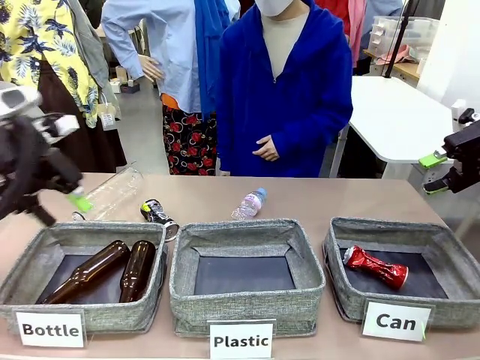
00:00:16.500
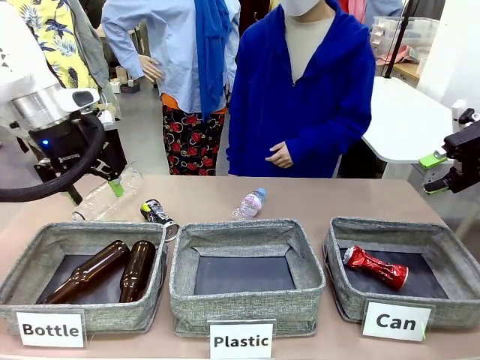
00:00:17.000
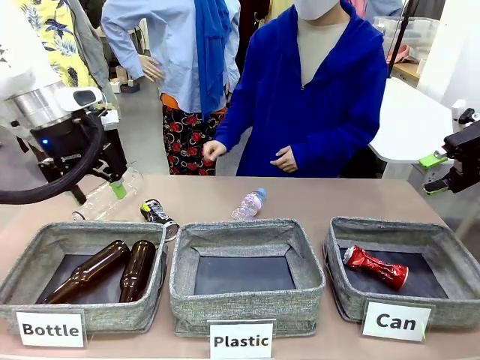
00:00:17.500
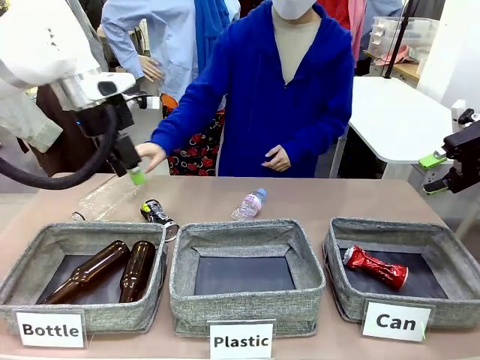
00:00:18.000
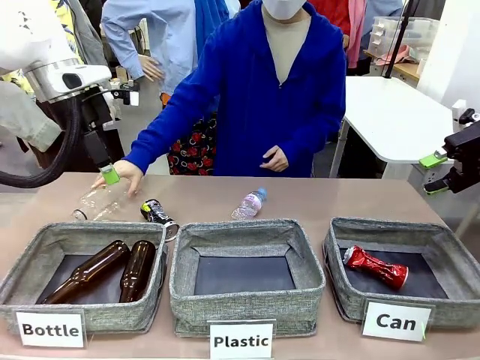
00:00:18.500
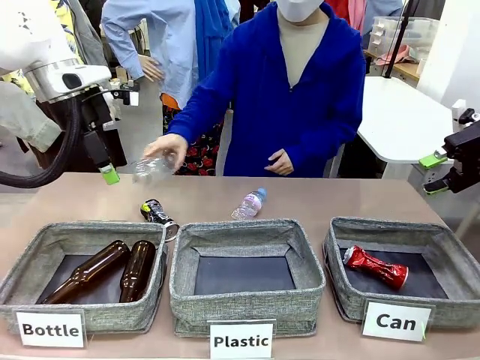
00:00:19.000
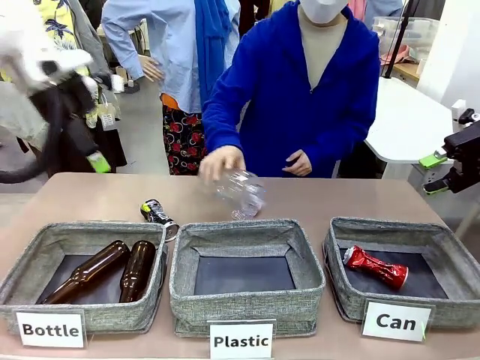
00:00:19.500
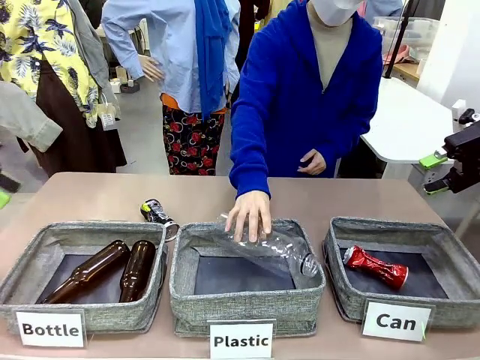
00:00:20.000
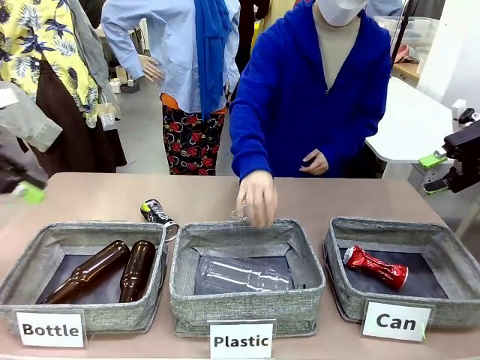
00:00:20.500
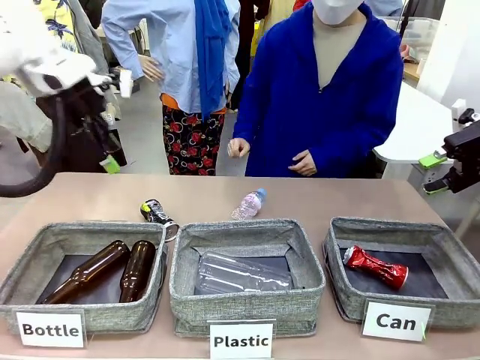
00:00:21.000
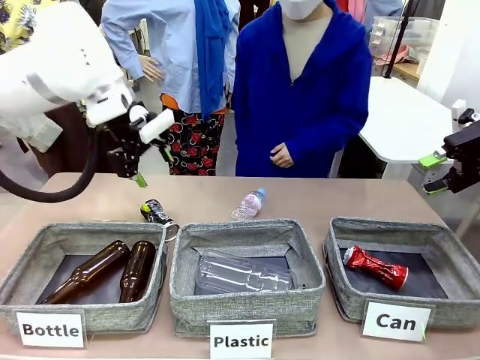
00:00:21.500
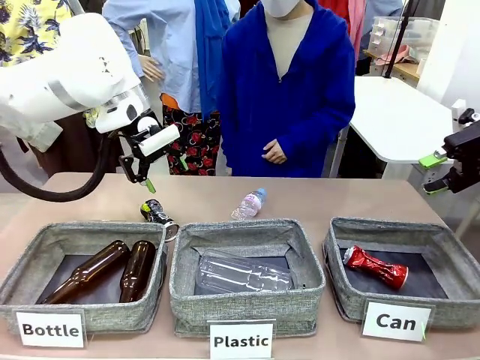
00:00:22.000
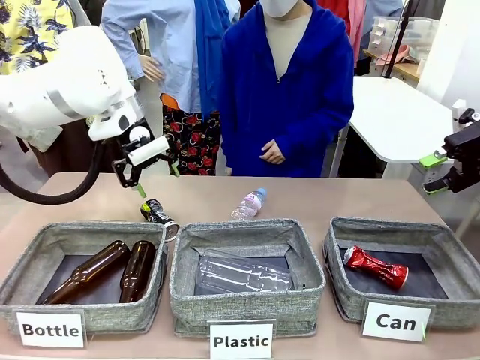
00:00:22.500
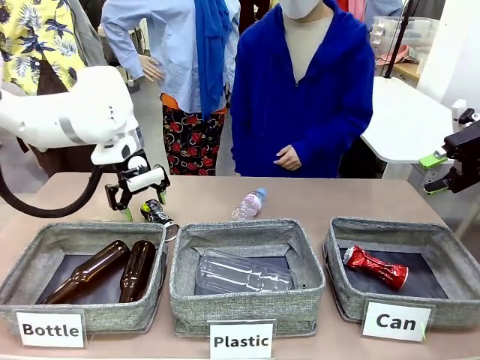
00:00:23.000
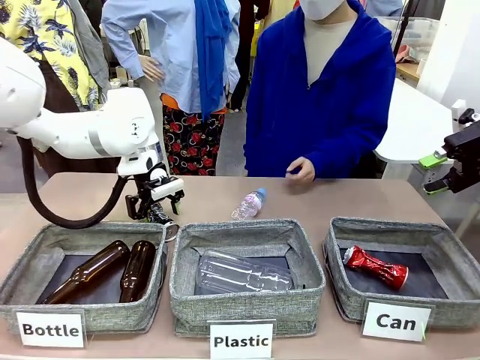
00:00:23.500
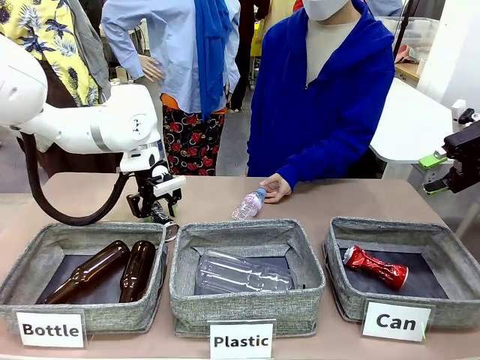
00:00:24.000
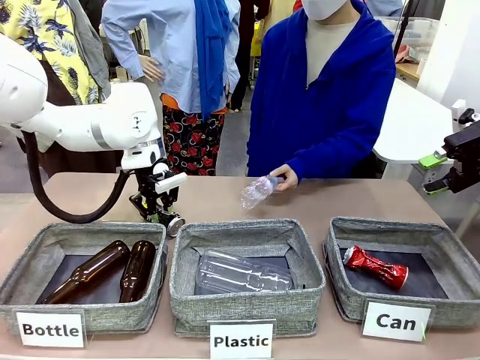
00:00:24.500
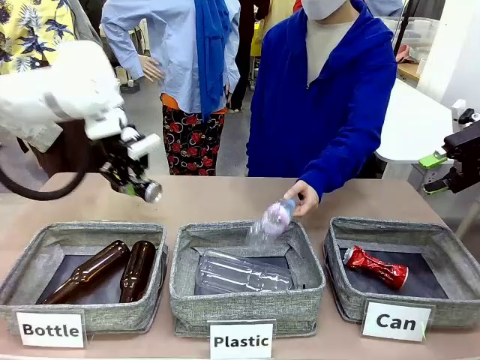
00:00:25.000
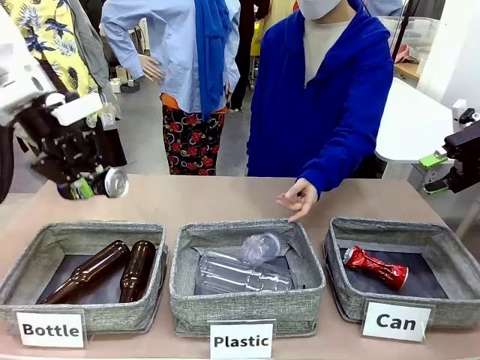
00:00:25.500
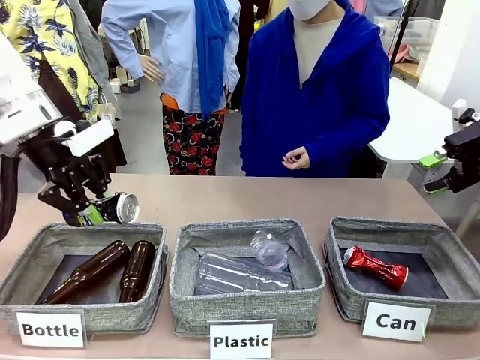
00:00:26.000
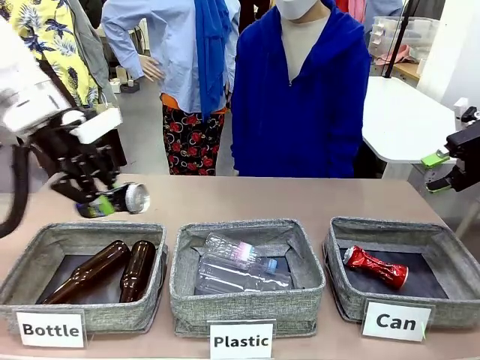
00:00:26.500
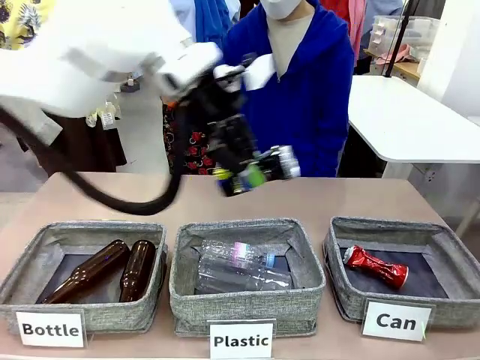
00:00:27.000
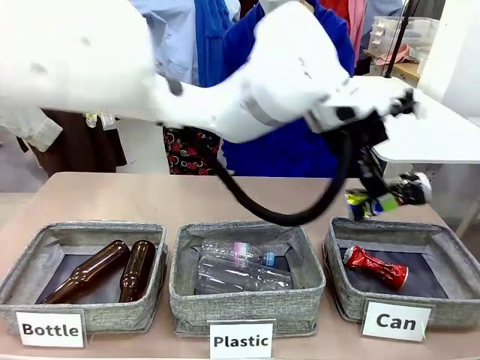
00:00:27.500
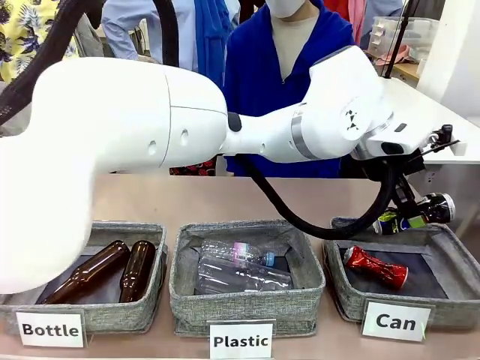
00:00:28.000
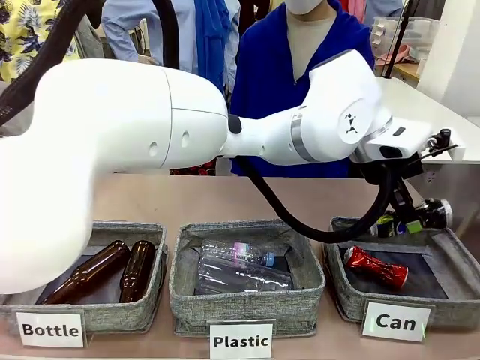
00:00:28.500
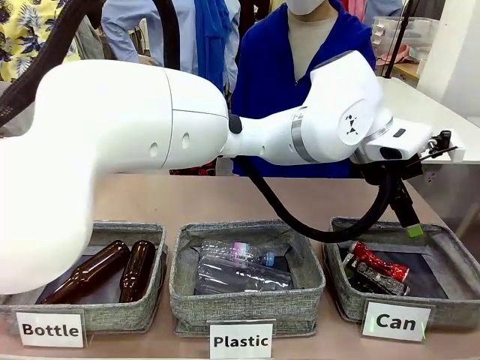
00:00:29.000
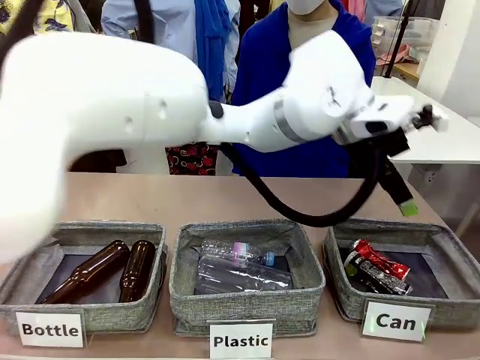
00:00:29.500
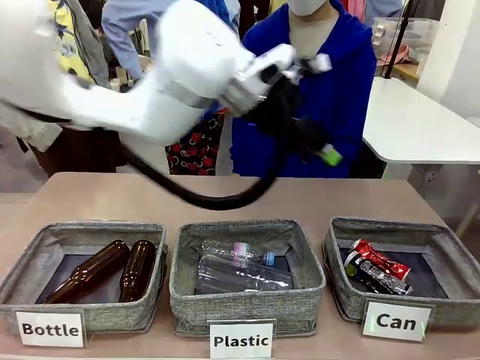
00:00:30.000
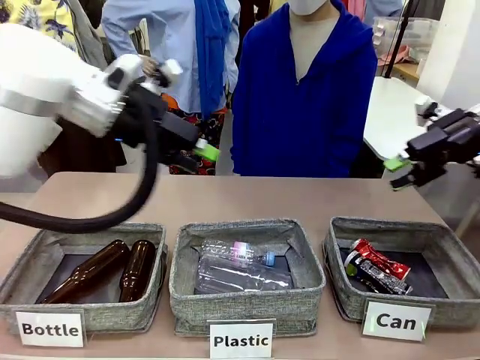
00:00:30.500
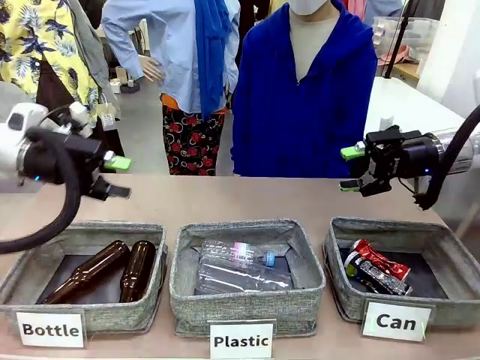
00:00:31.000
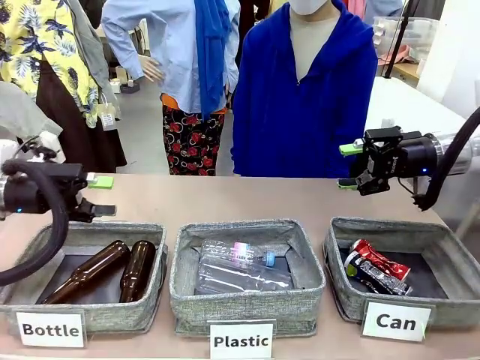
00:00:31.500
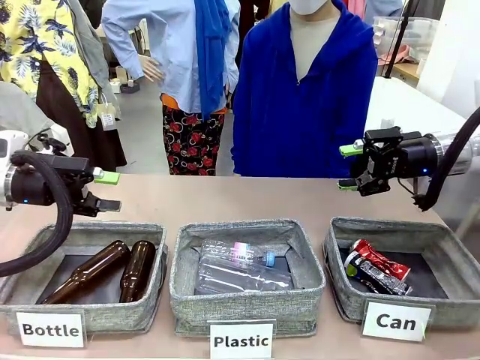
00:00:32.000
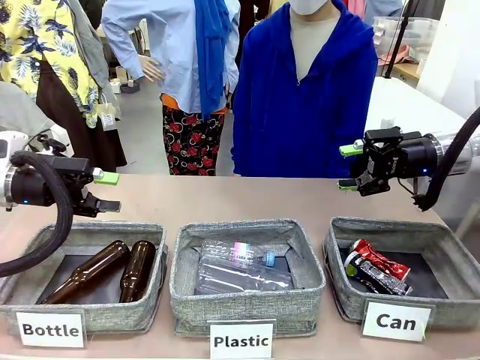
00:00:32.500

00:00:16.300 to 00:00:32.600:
Task: Sort the can waste into the basket.
Robot: Pick up the can waste from the table and place it in the right Fabric basket.

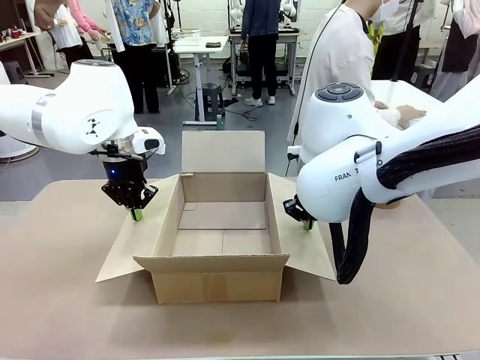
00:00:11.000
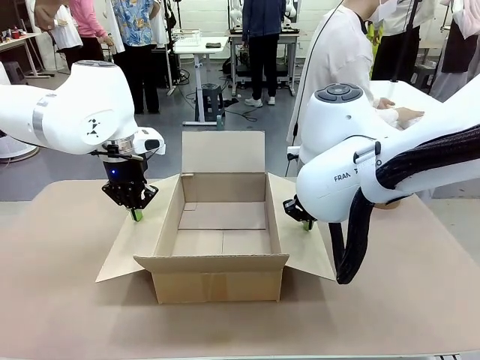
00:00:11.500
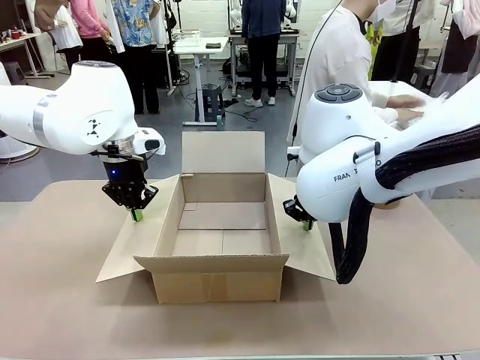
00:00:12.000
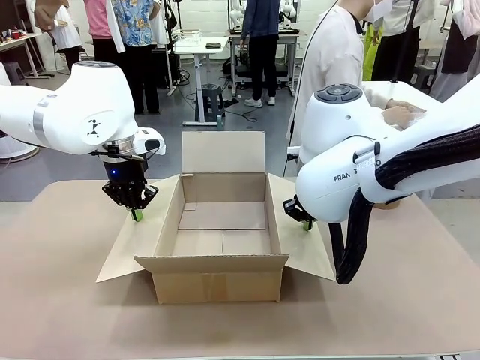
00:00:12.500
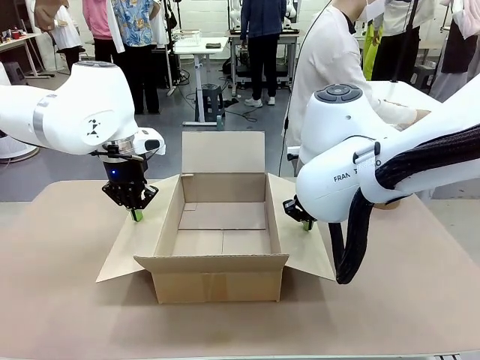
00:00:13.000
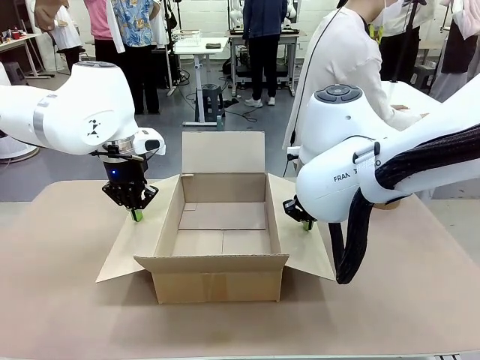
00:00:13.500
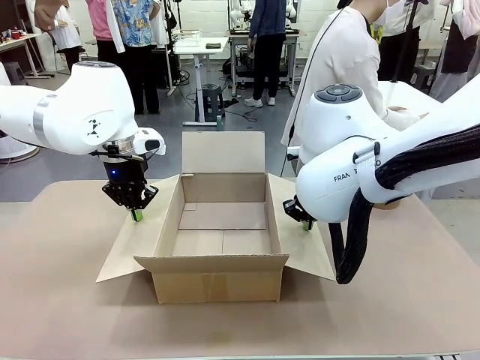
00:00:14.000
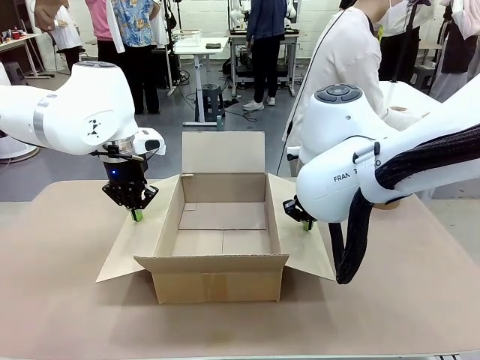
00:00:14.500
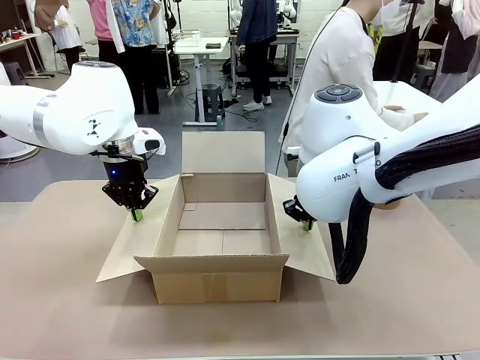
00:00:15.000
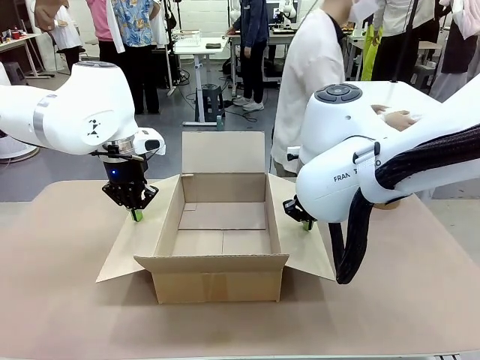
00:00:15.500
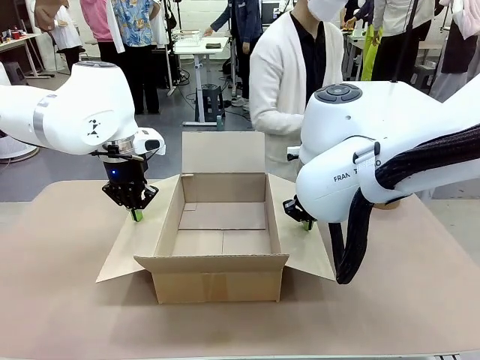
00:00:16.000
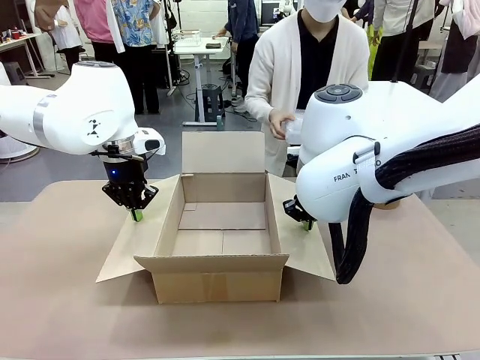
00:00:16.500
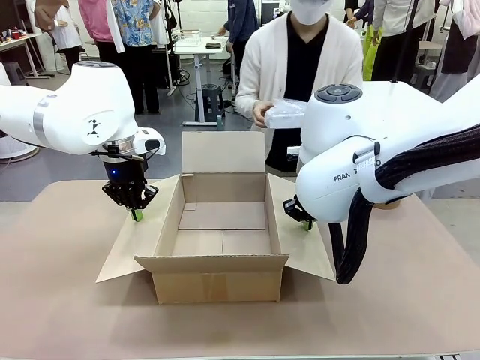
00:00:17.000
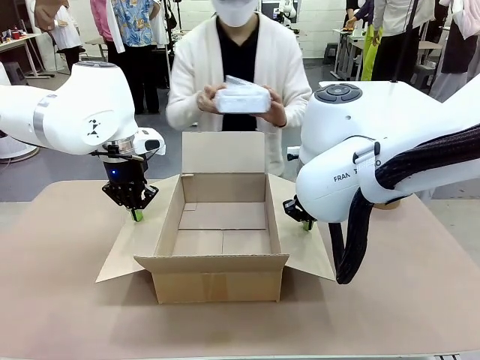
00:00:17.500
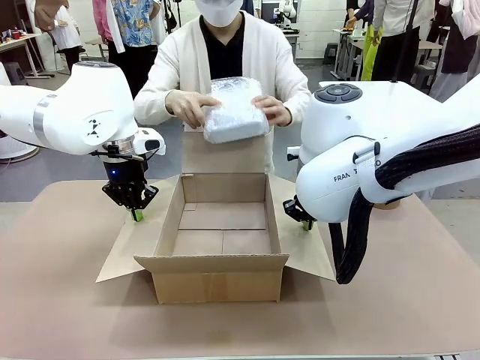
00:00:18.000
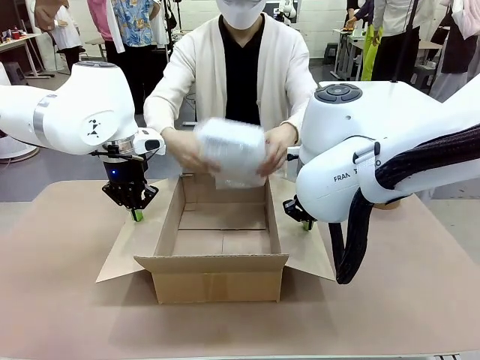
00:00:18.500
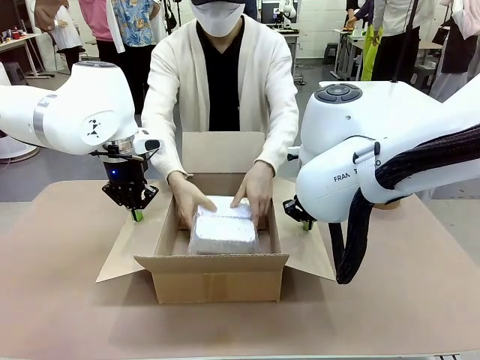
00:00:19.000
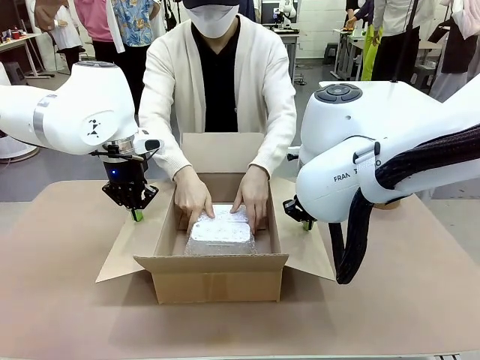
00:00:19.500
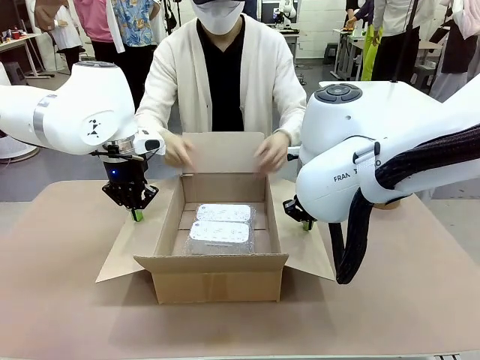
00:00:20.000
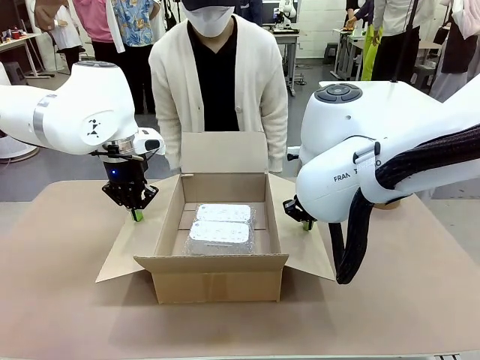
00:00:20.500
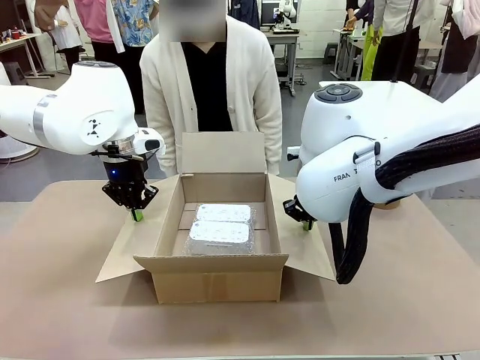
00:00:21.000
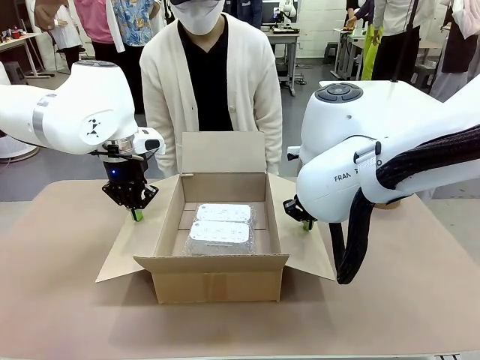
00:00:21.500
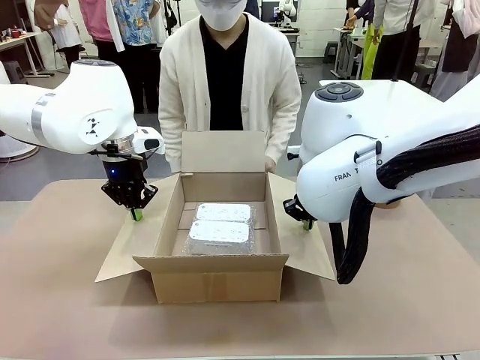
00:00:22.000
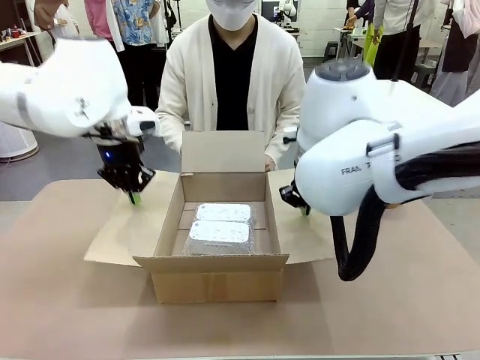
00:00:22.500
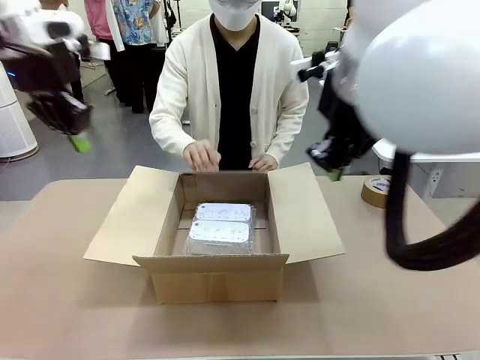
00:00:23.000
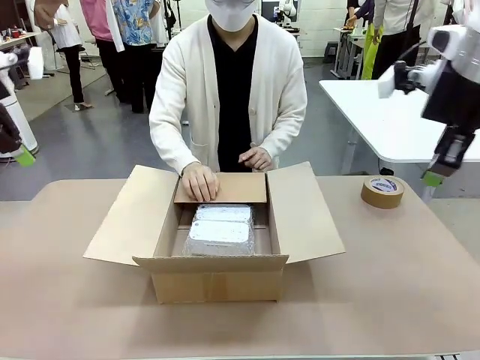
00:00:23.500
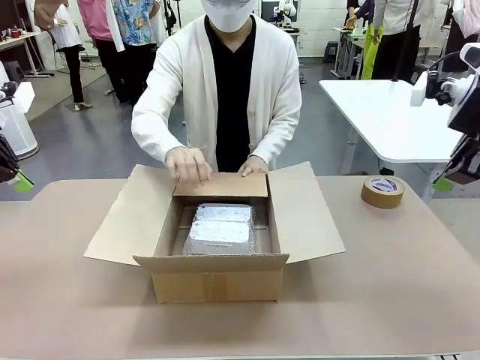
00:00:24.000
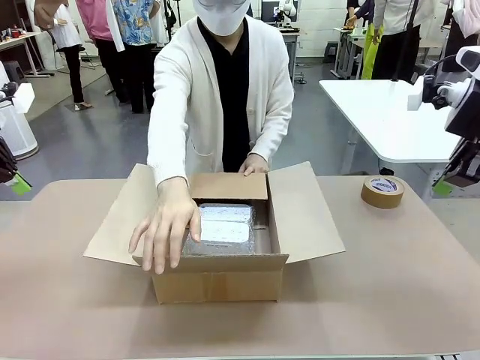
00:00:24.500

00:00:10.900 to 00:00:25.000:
Task: Wrap the clocks to prevent damage.
Robot: Once the human has placed the objects inside and stepped back, release both hands from the side flaps of the Package Box.
Person: Place the wrapped Digital clocks inside the Package Box. Hold the top and bottom flaps of the Package Box closed with your left (or right) hand.
